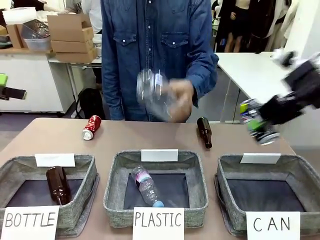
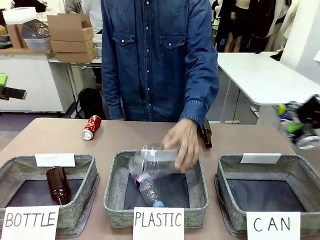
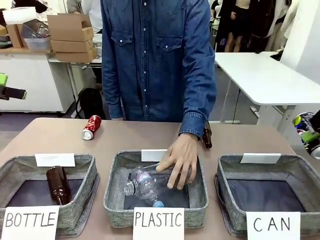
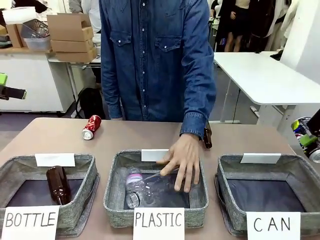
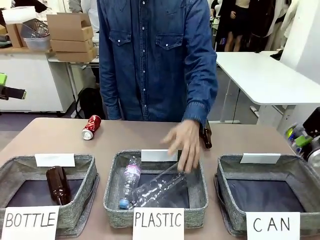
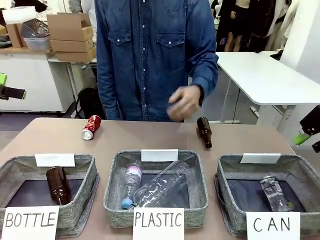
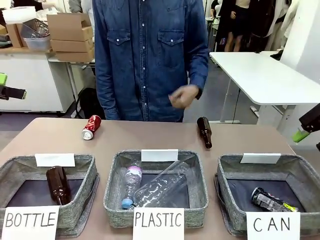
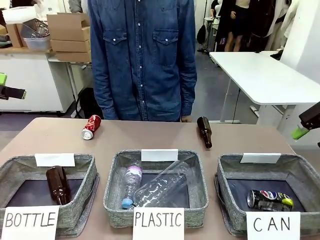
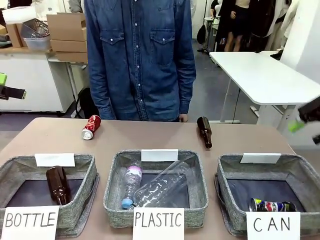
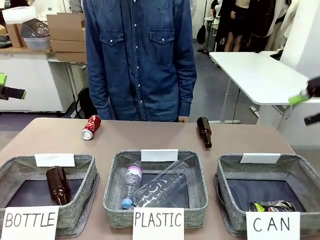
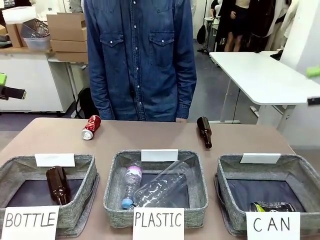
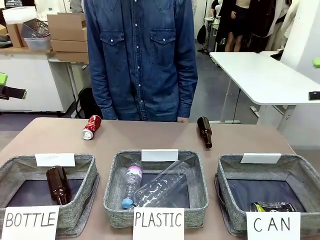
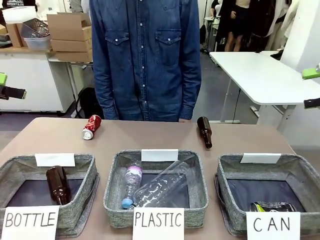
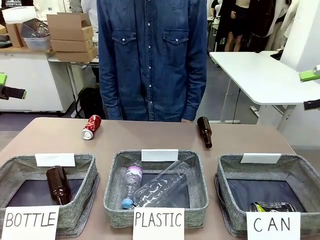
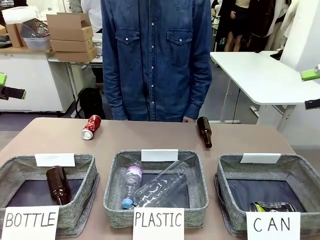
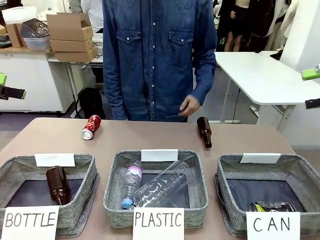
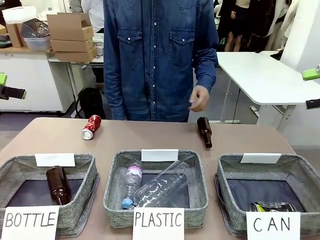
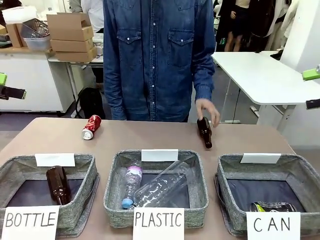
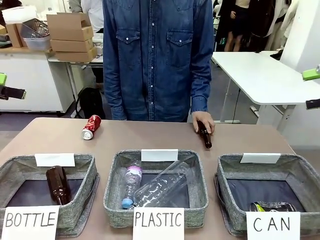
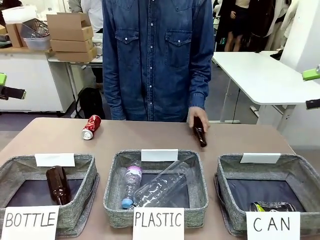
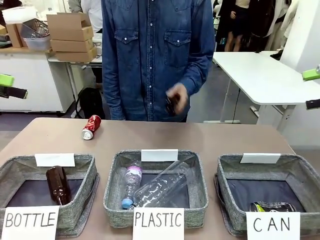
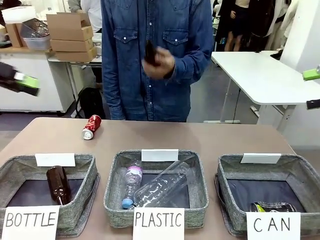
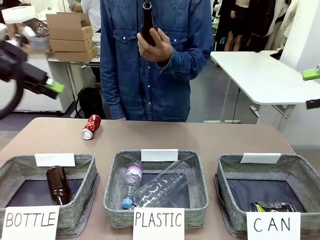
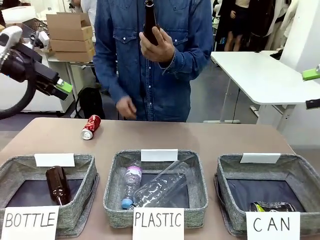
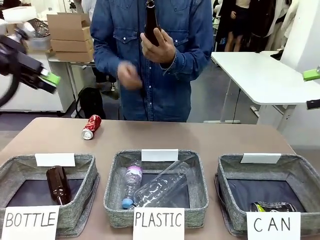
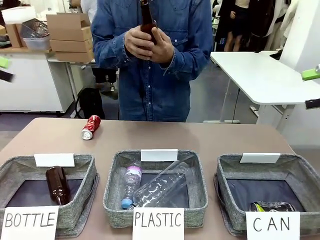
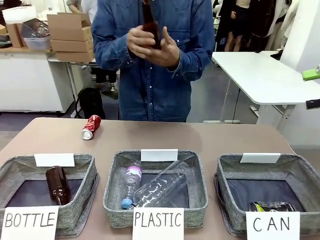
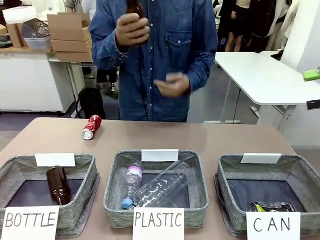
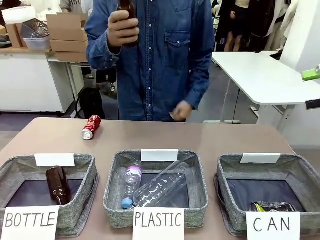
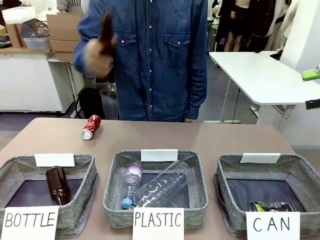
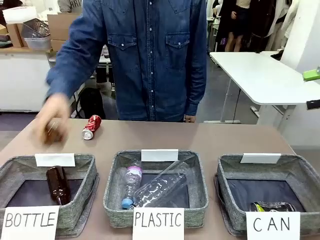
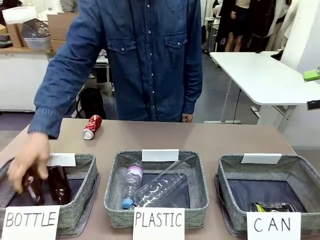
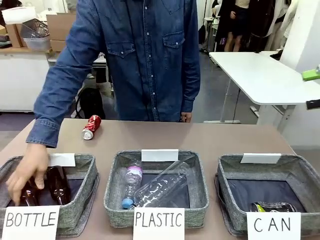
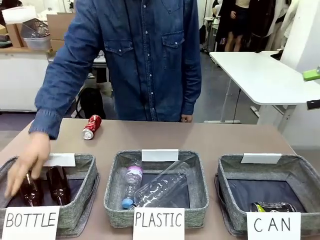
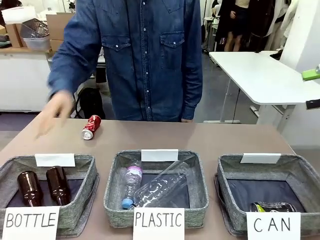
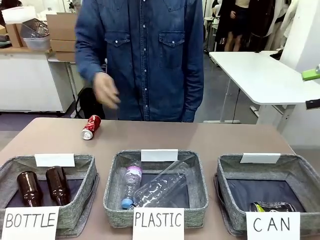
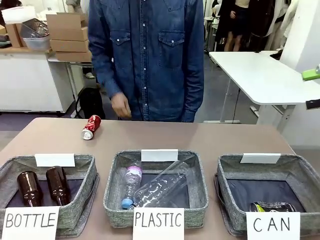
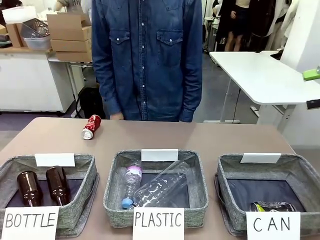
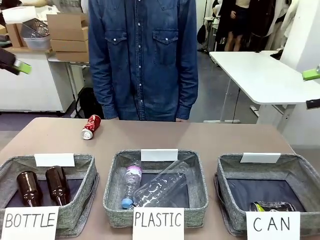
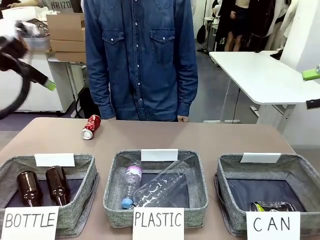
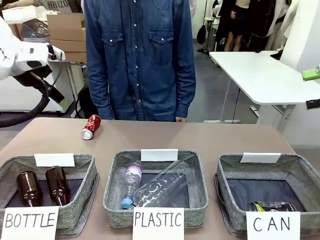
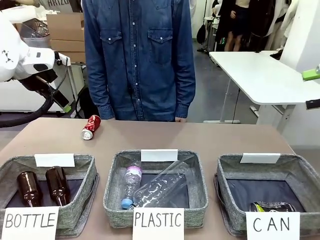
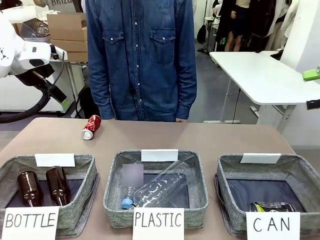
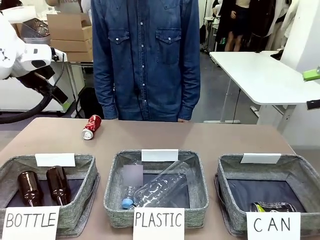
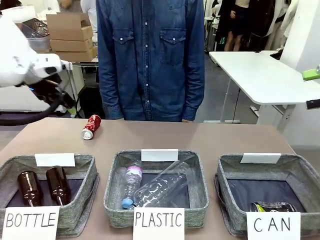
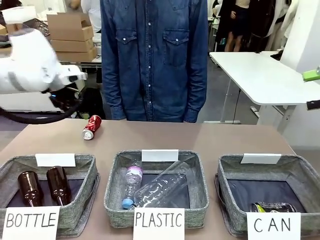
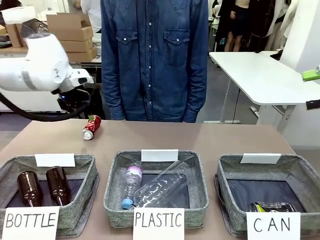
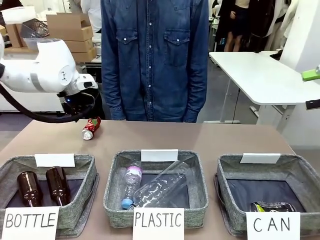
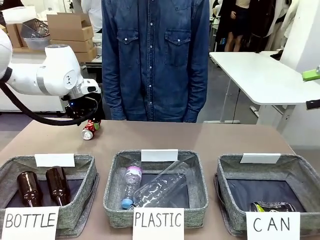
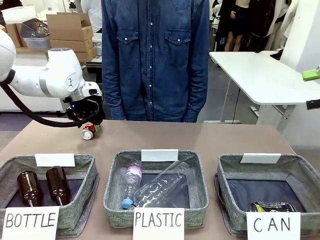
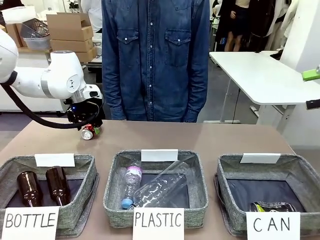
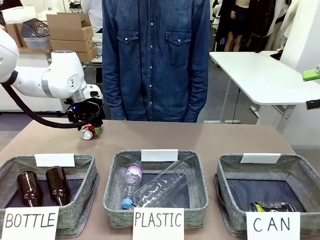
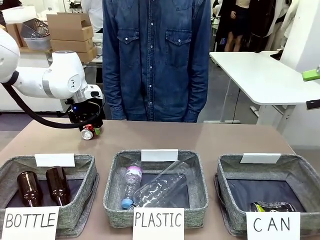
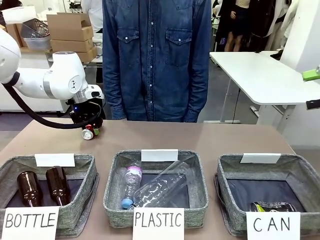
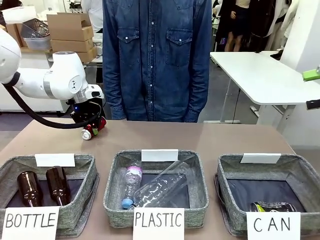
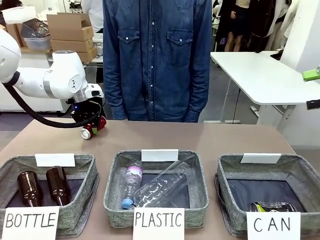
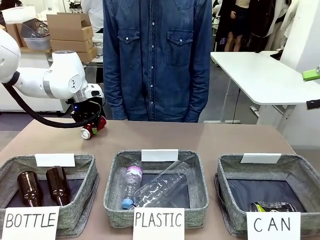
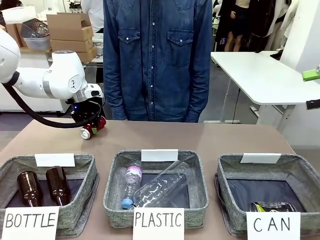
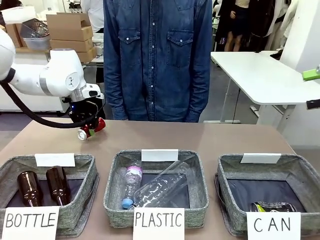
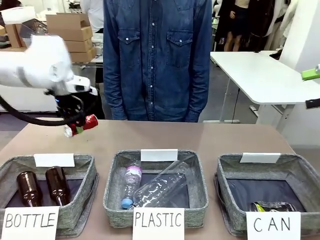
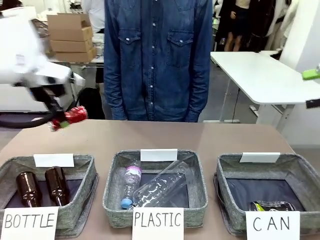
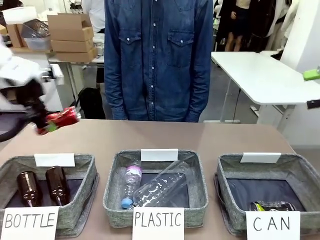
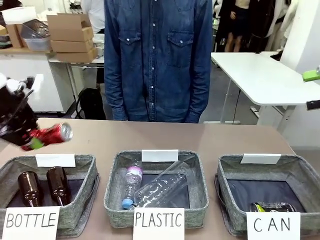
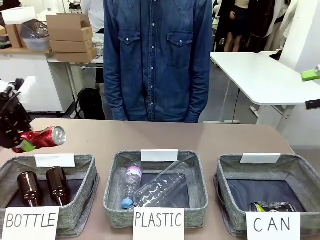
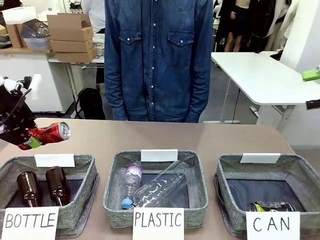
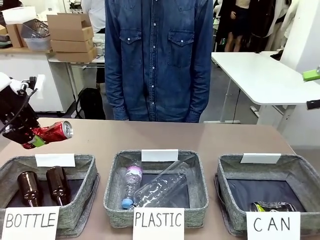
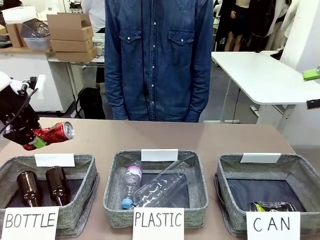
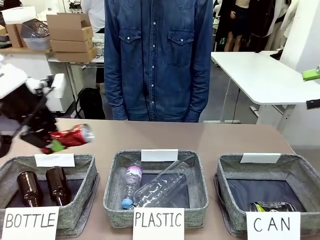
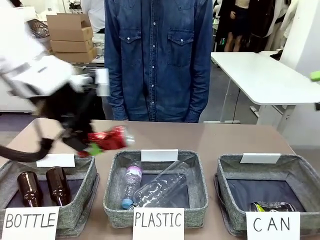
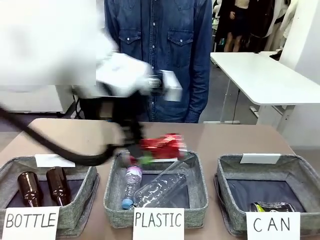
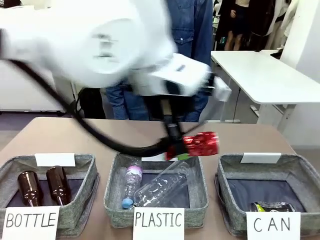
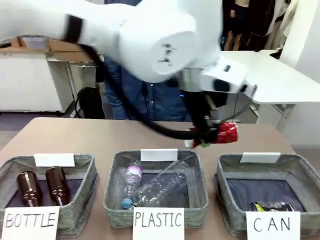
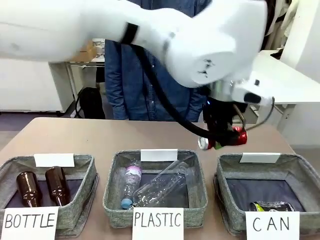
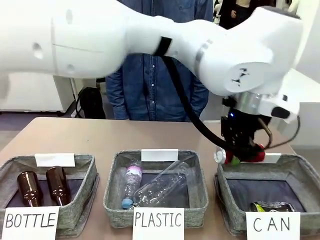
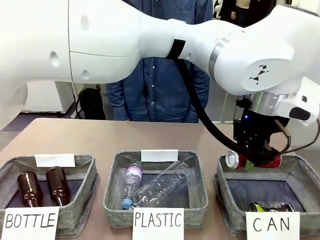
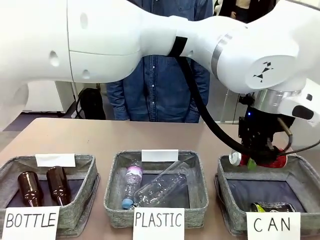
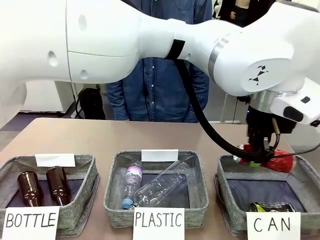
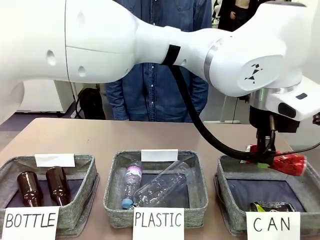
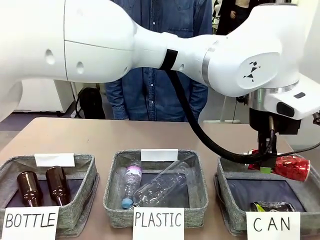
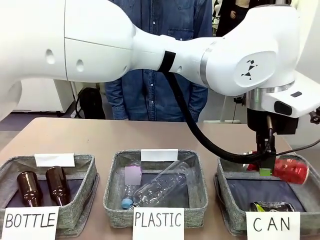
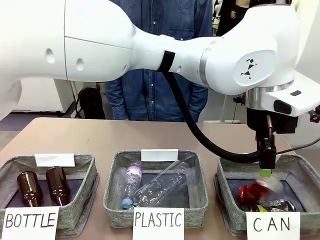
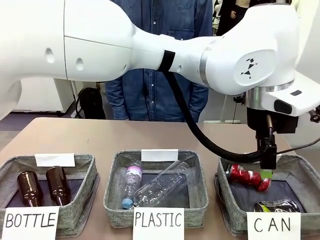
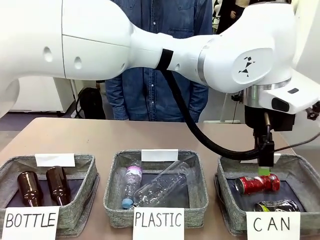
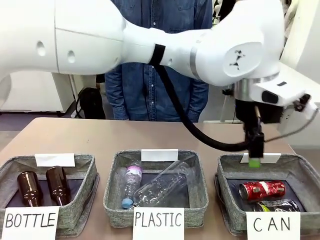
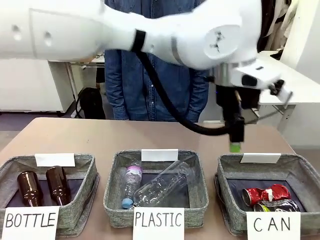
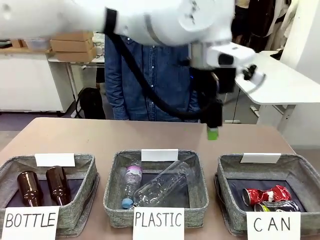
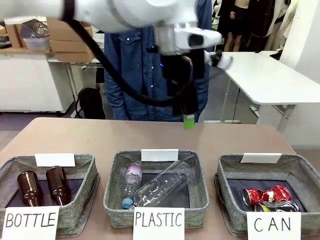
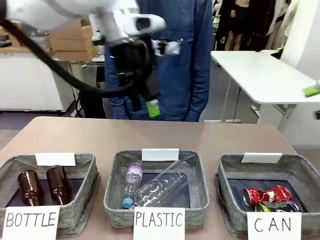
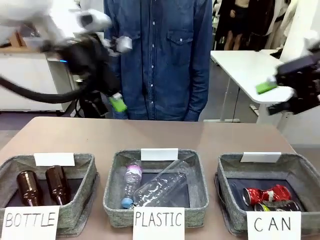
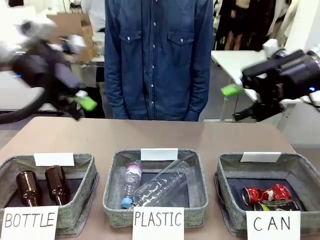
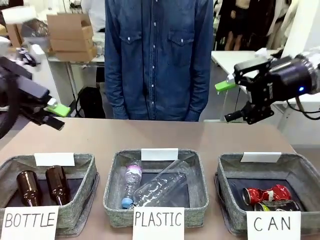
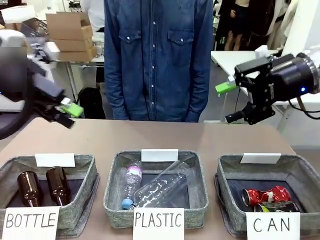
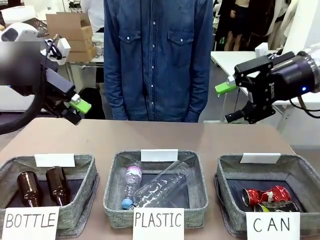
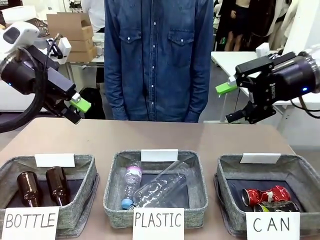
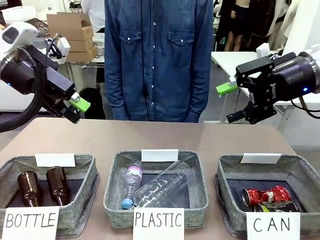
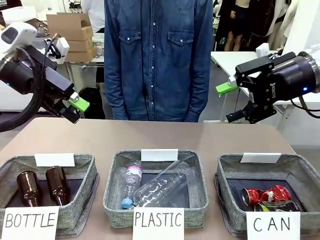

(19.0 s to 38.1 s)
Task: Sort the can waste into the basket.
Robot: Pick up the can waste from the table and place it in the right Fabric basket.
Person: The human picks up one piece of trash that is not a can and places the trash into the appropriate organizing basket.
